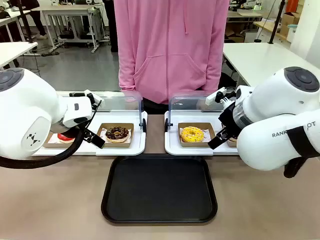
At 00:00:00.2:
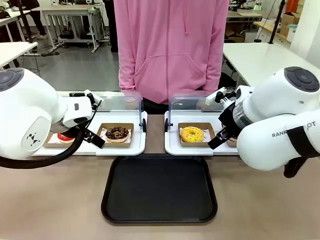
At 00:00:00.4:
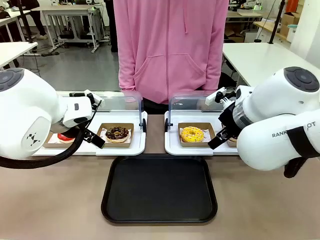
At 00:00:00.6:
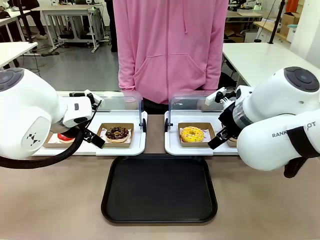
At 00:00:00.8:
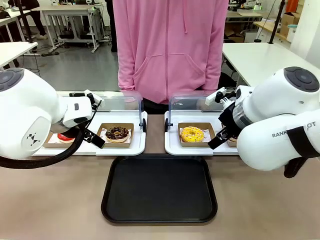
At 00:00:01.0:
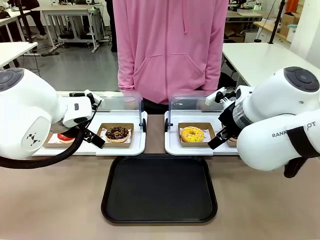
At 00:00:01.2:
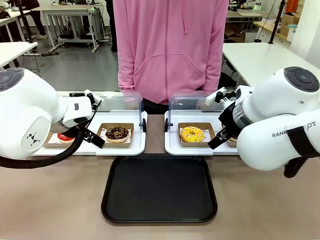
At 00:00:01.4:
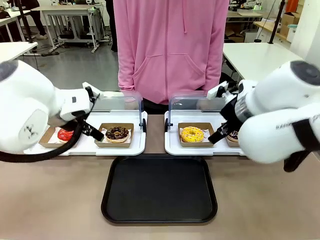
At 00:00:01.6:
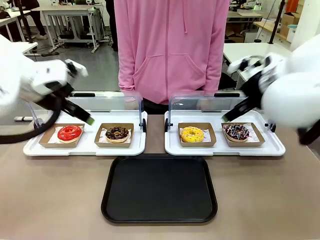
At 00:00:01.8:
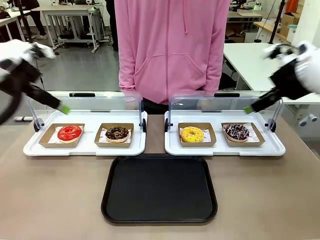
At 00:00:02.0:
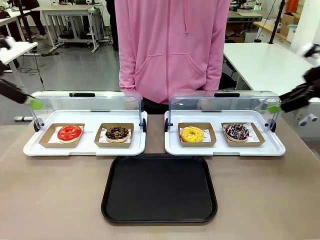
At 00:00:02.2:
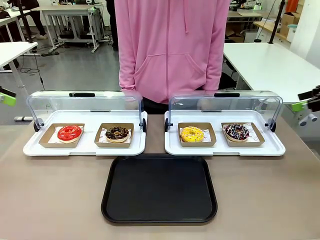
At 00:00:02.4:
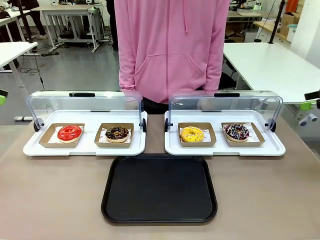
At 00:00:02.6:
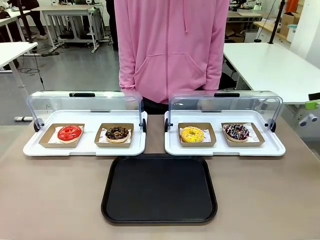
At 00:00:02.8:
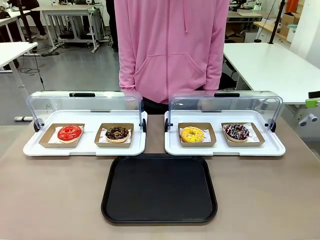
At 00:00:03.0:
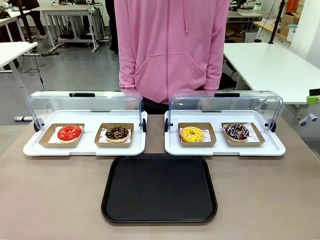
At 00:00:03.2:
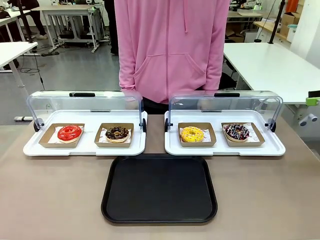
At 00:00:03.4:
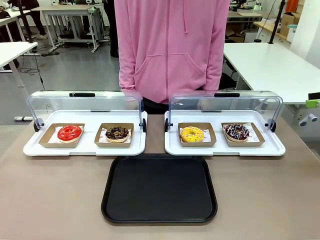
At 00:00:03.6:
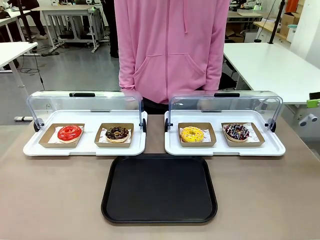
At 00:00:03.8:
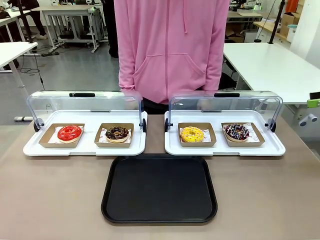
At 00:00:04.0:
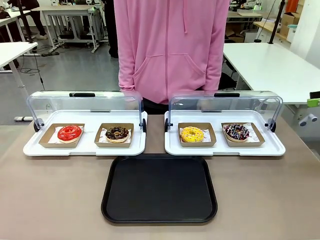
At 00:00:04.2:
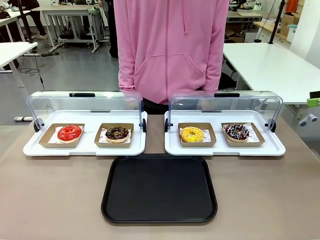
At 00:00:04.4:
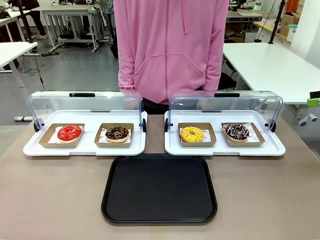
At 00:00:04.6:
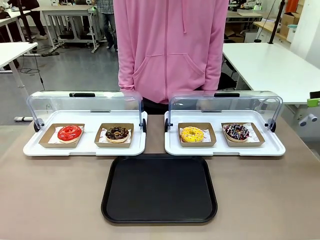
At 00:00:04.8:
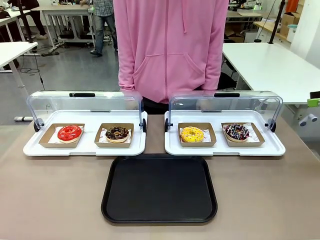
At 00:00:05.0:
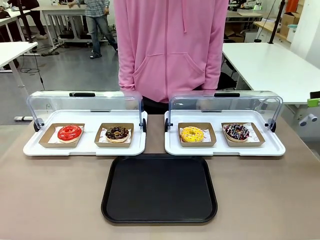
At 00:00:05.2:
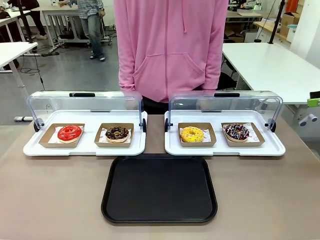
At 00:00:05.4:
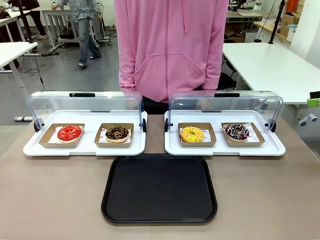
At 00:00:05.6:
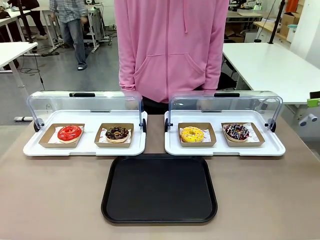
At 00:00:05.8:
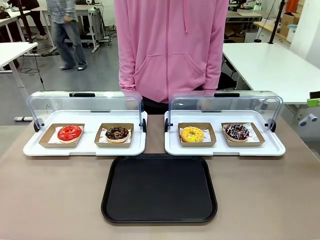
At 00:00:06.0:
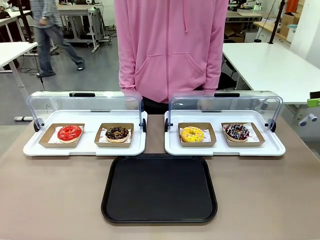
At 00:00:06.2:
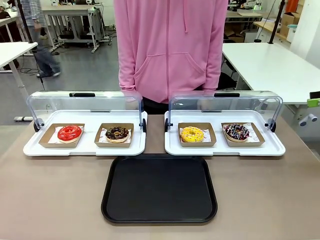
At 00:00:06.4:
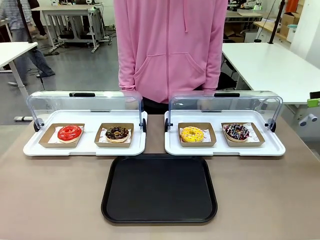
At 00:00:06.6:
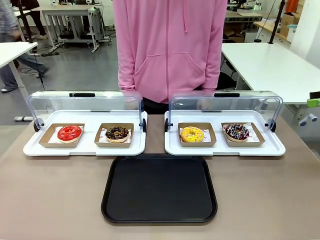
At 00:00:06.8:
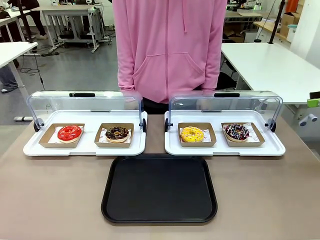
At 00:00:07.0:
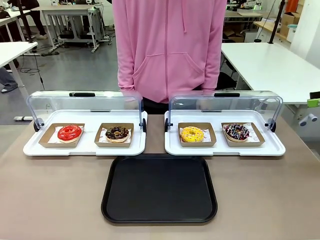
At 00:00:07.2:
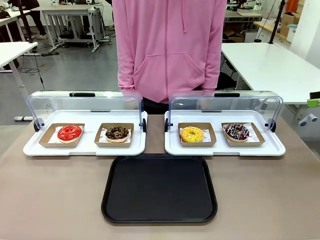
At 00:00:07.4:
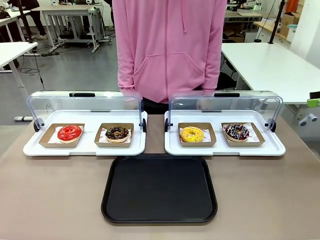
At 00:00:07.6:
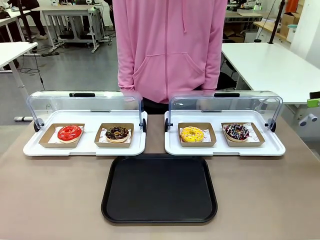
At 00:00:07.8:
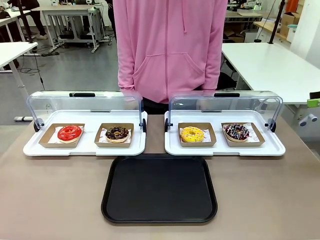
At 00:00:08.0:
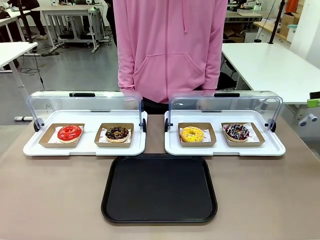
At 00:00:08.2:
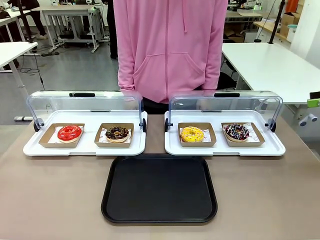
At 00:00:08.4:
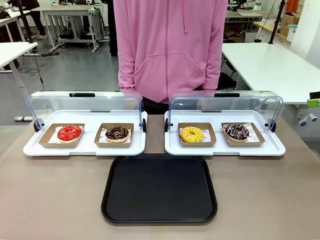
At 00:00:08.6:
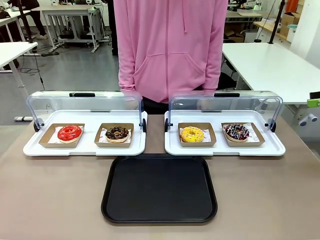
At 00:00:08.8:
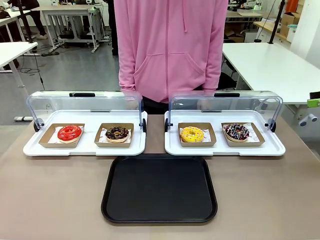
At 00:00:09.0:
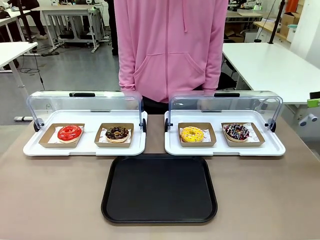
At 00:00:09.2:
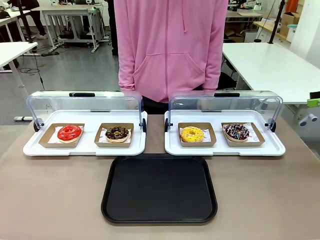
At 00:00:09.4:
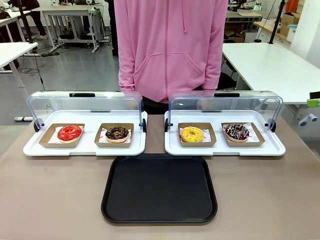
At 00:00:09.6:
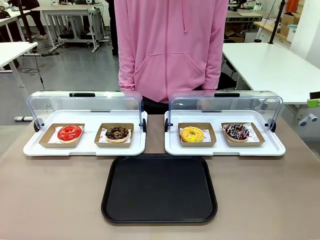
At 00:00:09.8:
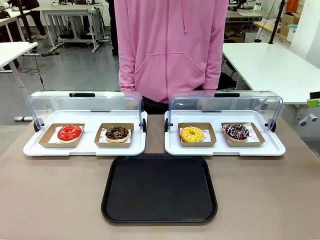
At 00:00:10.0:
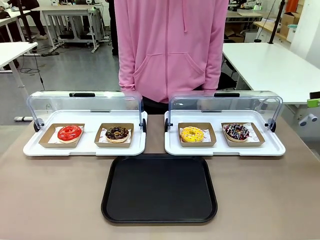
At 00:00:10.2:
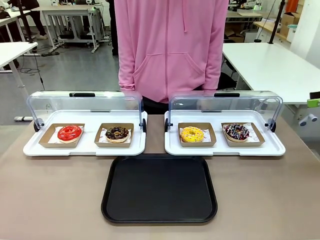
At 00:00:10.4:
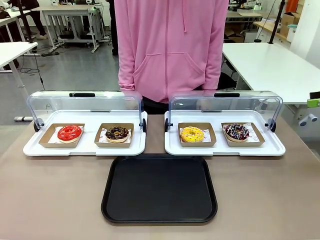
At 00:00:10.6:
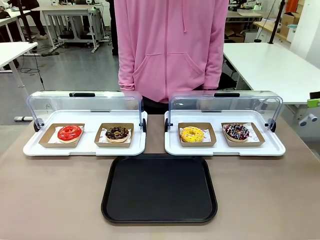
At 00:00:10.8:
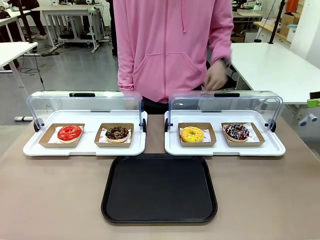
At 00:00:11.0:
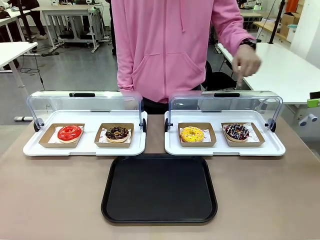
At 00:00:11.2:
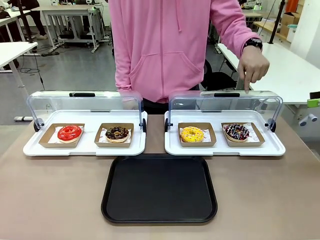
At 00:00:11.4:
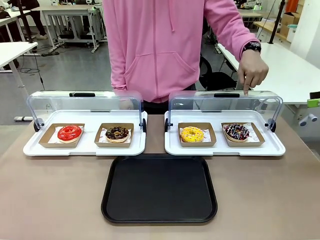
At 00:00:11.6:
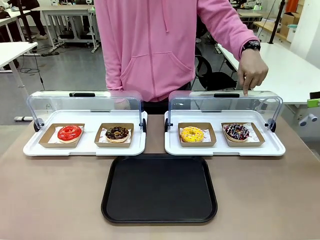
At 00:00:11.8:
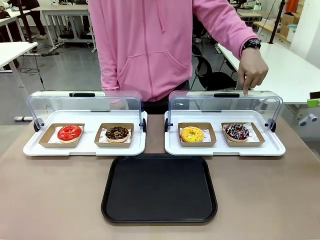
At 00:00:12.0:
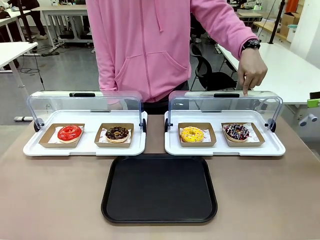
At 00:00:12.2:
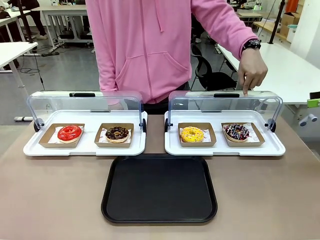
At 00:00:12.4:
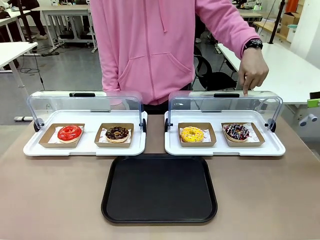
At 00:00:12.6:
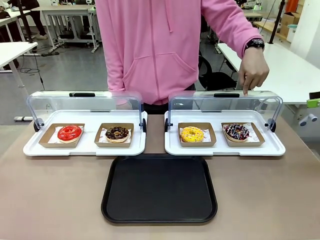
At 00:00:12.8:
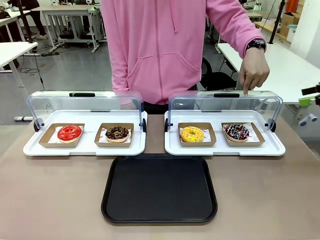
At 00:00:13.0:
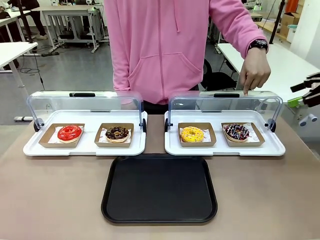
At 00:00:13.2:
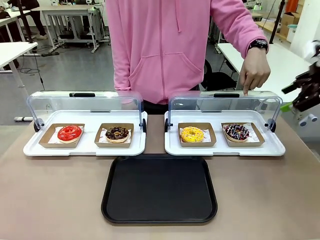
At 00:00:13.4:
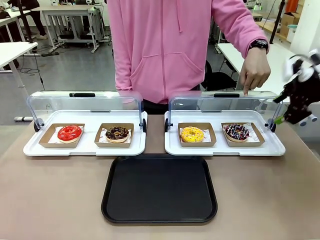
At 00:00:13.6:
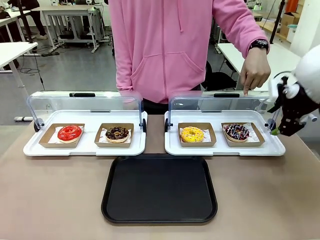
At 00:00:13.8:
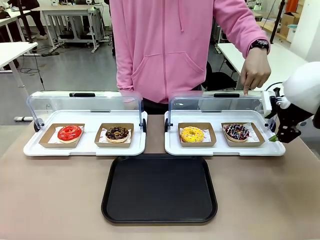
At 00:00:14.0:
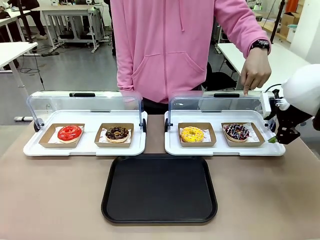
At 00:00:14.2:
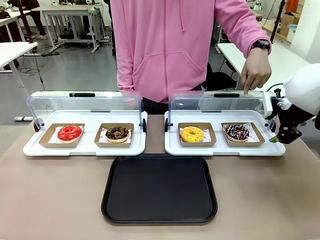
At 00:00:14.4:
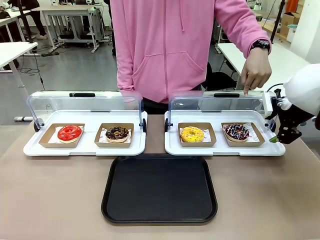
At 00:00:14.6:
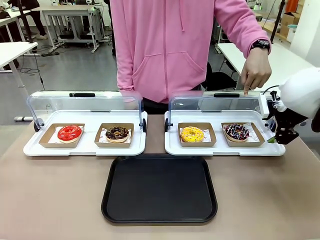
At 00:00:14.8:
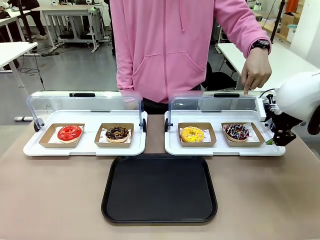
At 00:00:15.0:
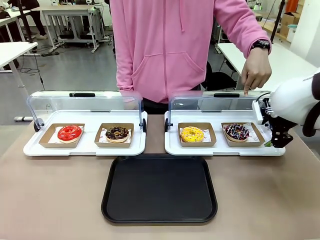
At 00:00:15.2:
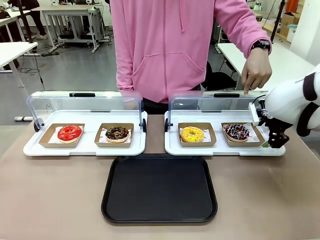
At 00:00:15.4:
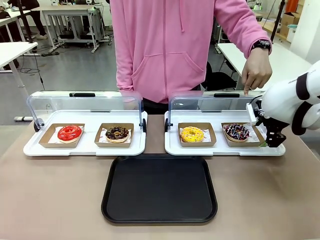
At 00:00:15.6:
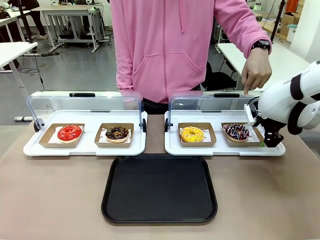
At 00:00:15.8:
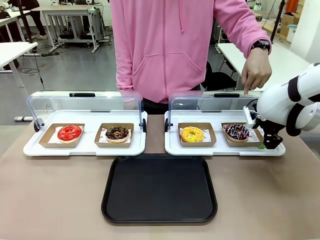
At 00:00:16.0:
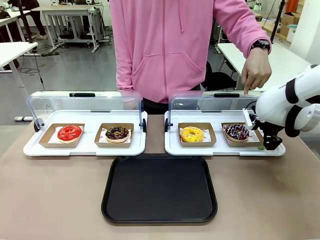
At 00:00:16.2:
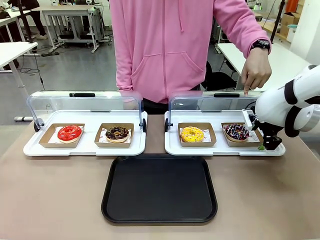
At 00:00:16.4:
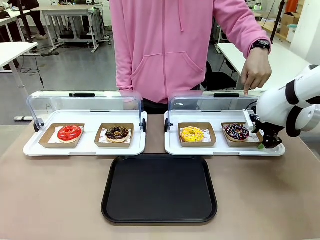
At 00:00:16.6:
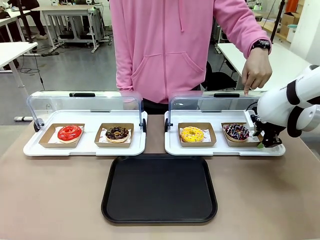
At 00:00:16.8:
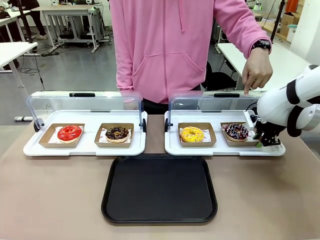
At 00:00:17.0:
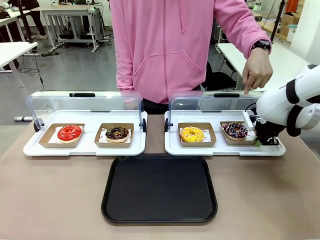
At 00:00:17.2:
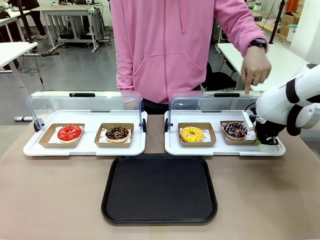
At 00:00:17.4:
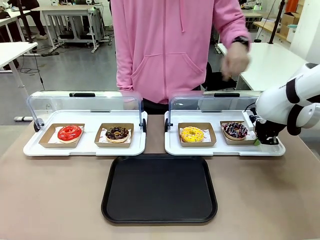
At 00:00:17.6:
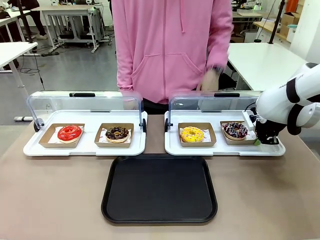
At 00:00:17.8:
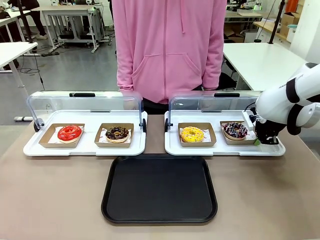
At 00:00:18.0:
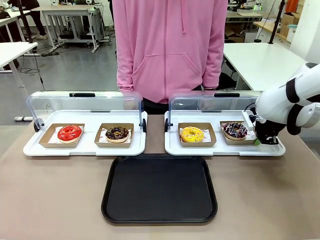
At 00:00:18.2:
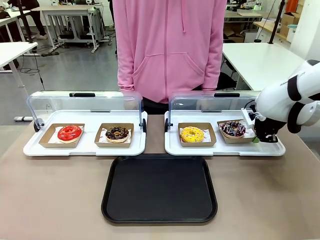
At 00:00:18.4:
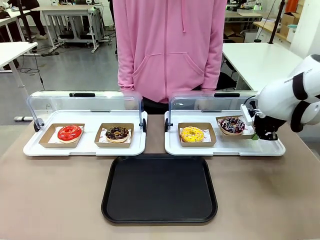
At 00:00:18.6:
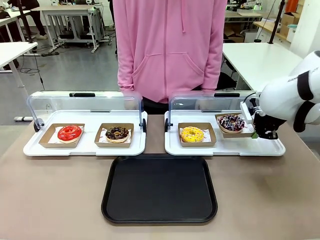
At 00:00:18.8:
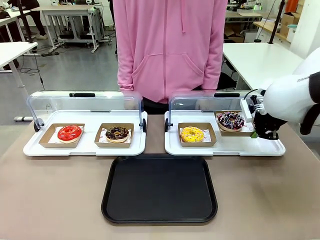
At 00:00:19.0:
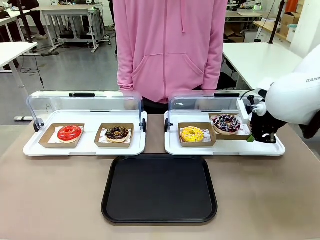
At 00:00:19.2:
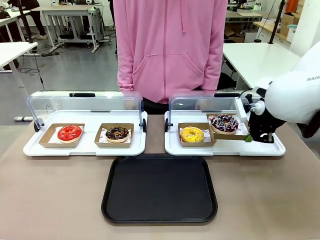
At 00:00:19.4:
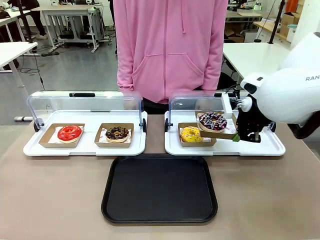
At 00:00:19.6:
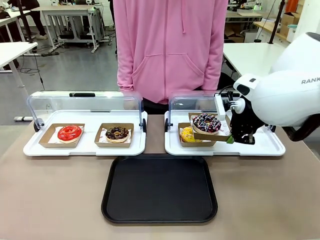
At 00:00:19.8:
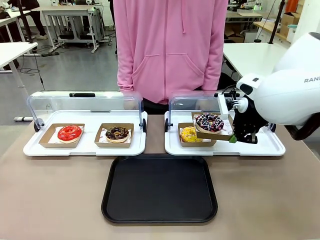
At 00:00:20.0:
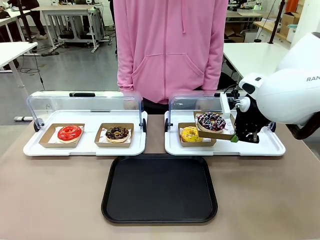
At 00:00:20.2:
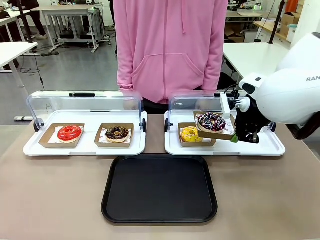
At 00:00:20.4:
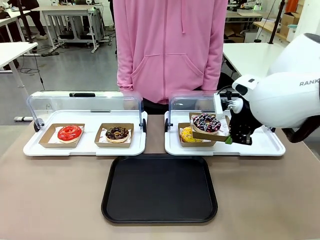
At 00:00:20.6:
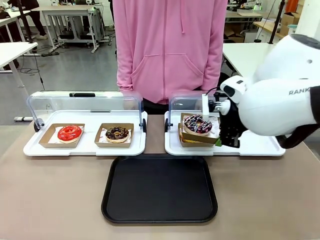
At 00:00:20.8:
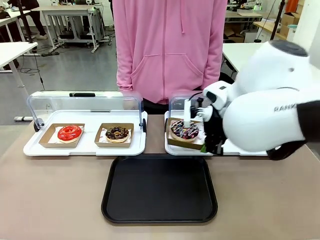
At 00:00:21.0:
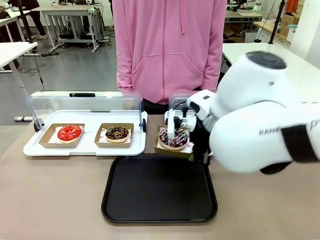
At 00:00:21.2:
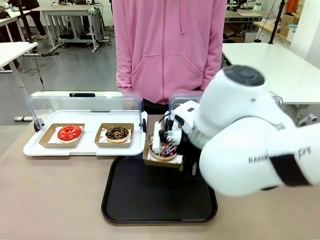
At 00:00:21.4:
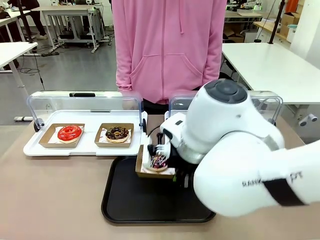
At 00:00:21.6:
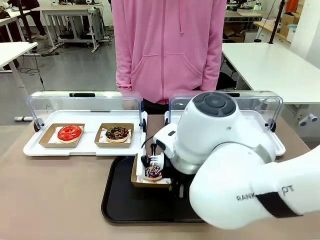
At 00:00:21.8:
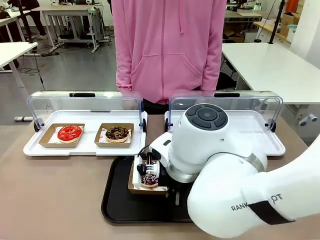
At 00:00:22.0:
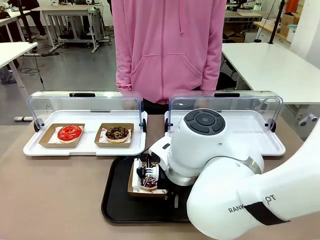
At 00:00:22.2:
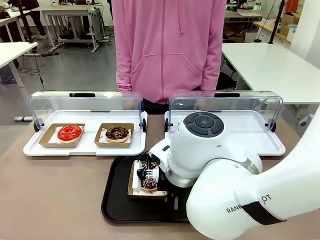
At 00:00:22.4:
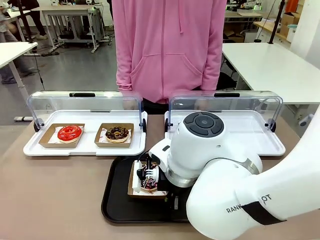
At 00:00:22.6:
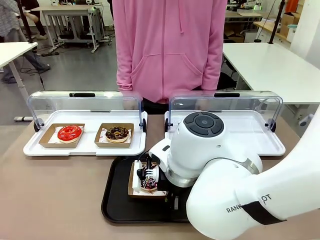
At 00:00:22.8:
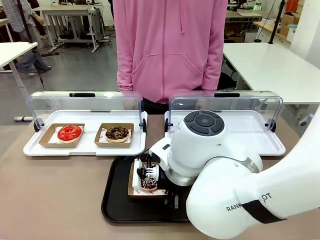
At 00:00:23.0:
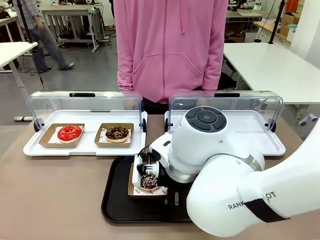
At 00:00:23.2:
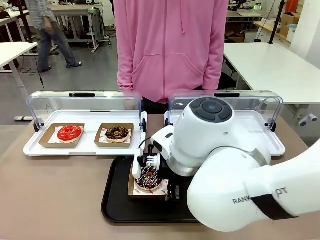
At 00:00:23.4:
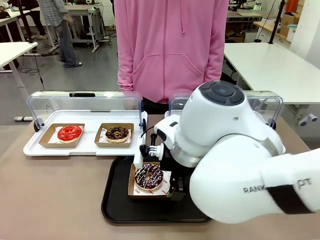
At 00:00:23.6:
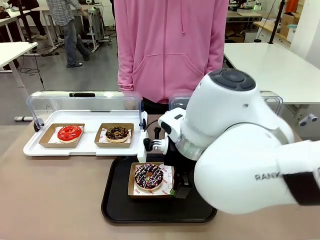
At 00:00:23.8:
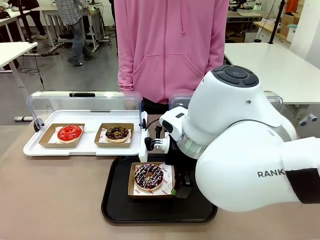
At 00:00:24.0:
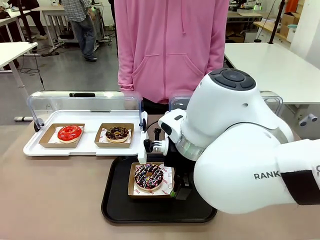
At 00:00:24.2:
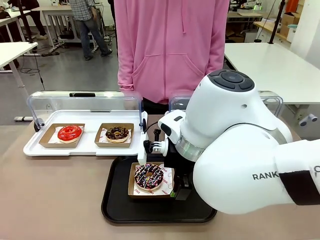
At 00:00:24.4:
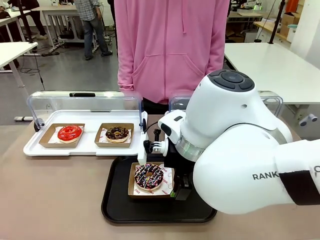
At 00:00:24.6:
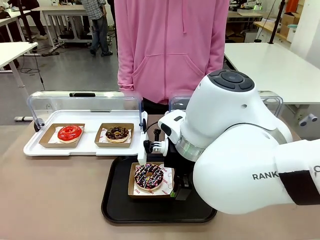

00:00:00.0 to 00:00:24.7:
Task: Move the fourth donut from the left to the tray.
Robot: Pick up the Paper togo box containing the Donut indicated by the person and place it on the Handle tray.
Person: Points to the fourth donut from the left from the robot’s perspective.
